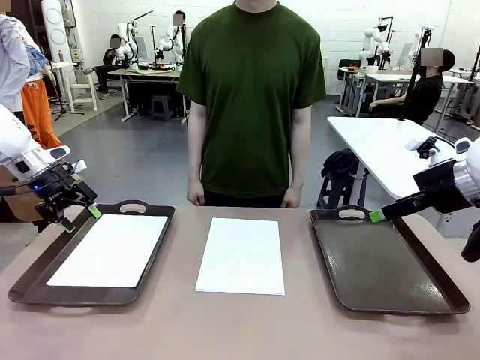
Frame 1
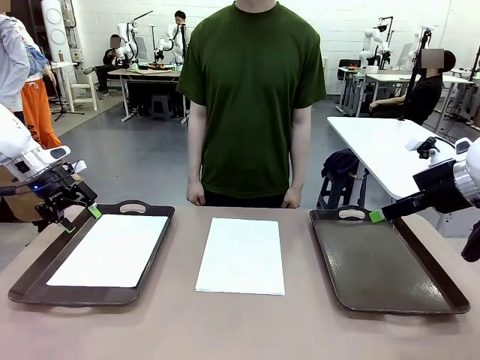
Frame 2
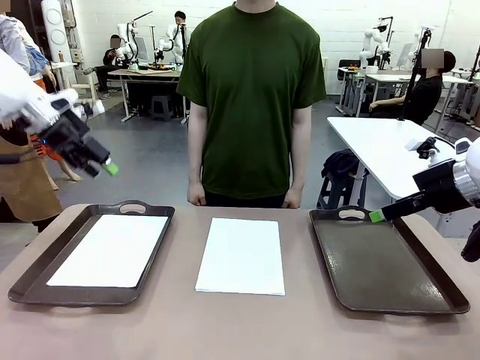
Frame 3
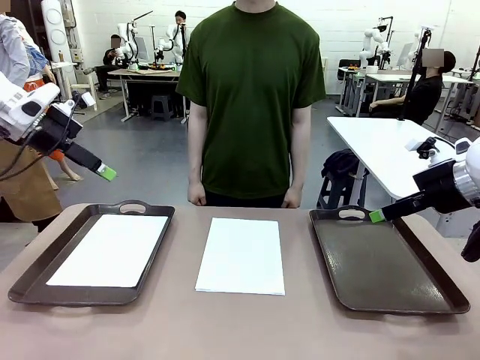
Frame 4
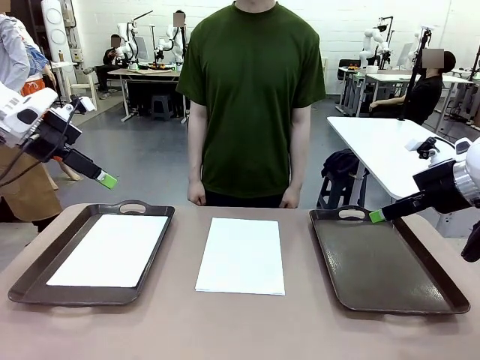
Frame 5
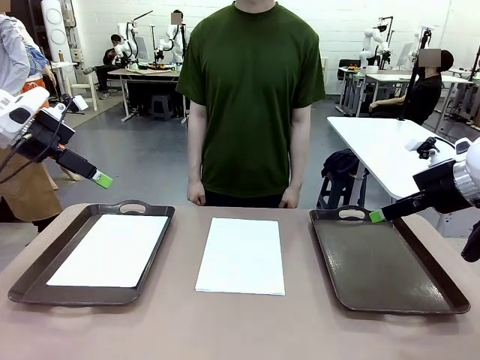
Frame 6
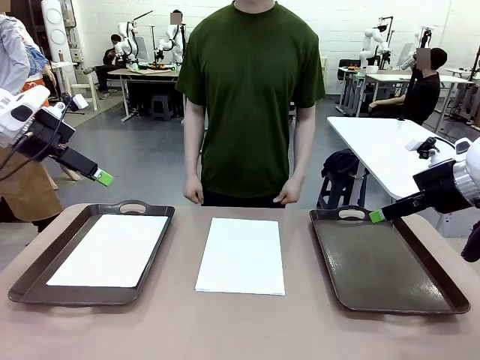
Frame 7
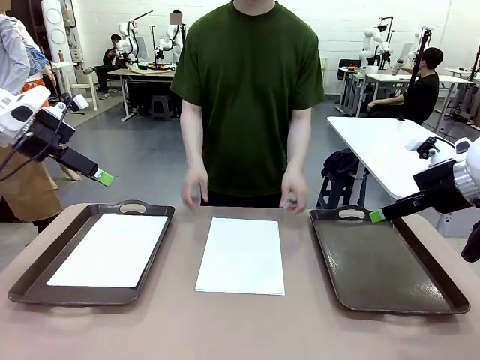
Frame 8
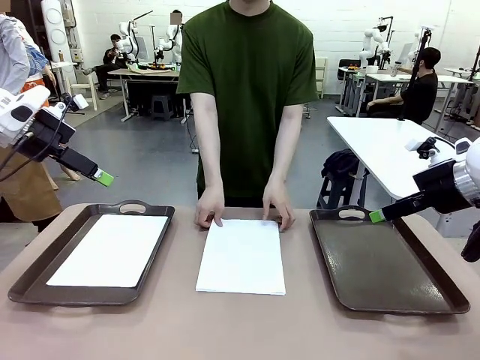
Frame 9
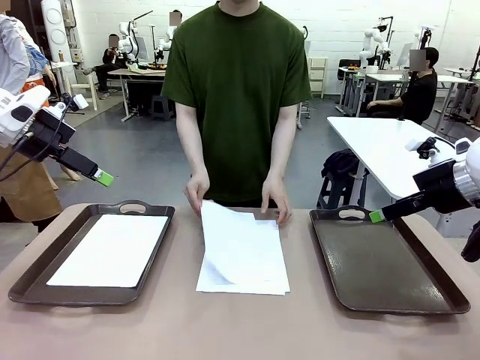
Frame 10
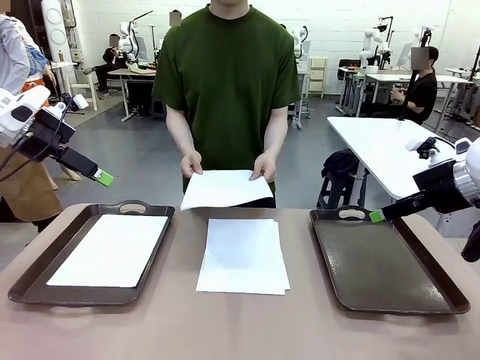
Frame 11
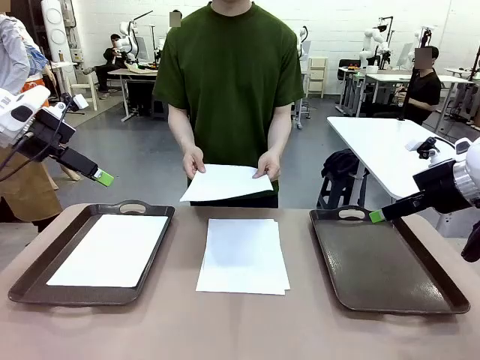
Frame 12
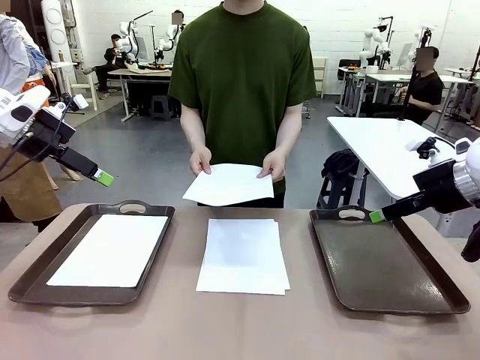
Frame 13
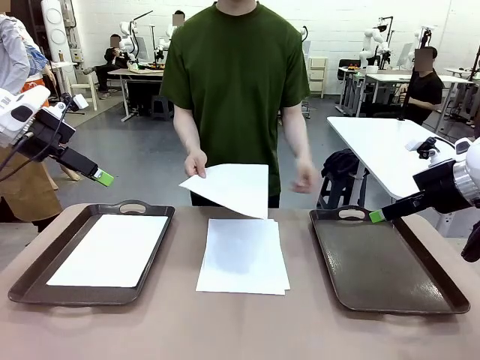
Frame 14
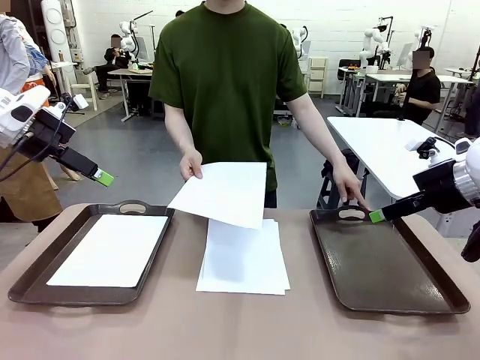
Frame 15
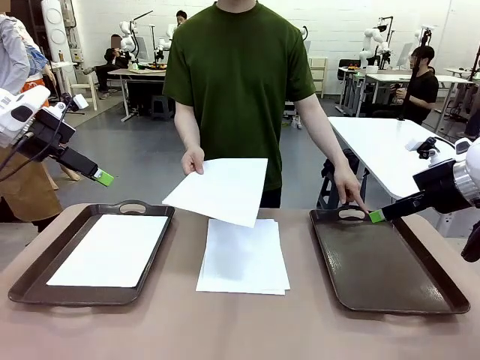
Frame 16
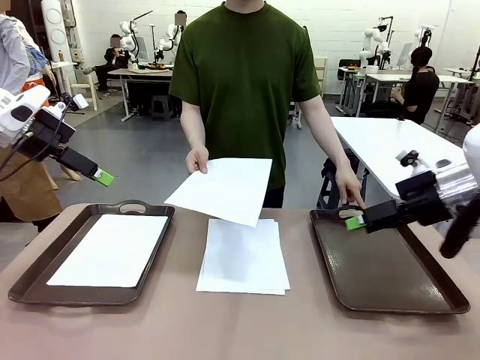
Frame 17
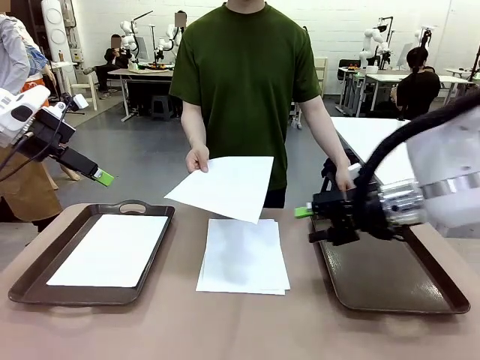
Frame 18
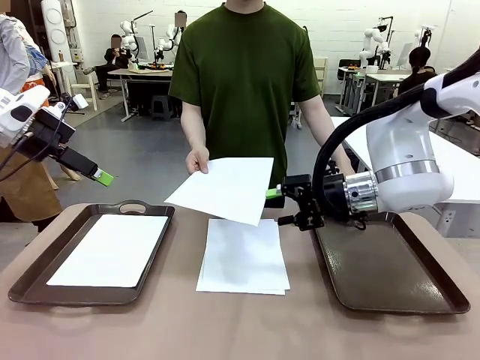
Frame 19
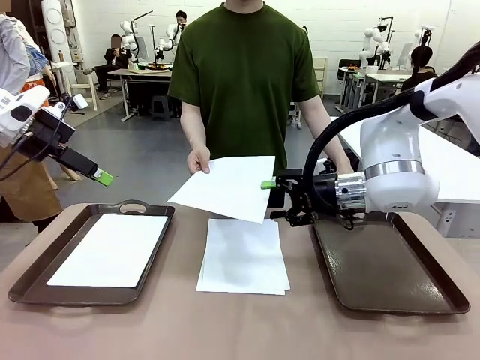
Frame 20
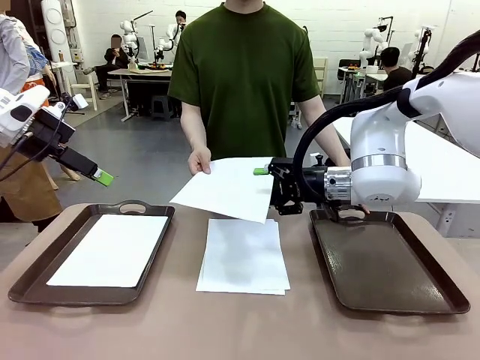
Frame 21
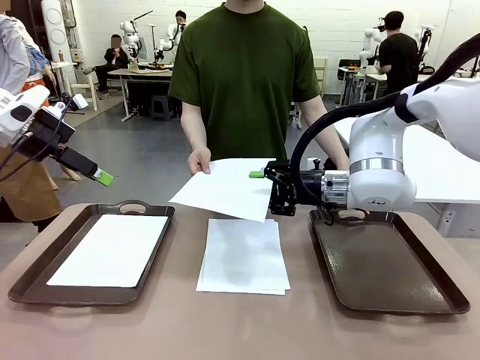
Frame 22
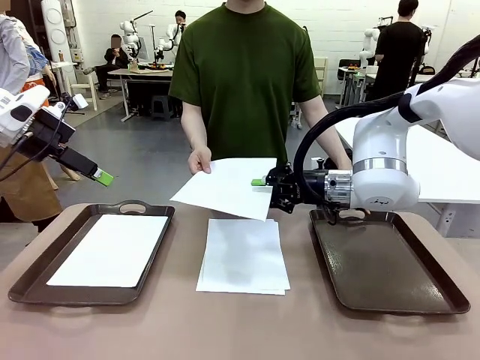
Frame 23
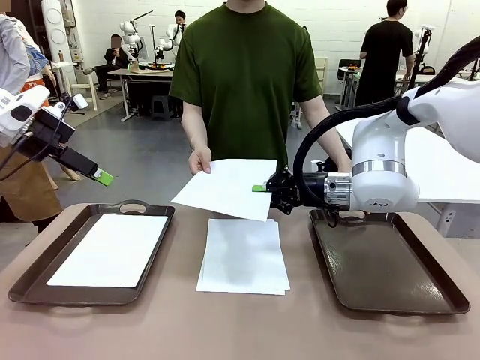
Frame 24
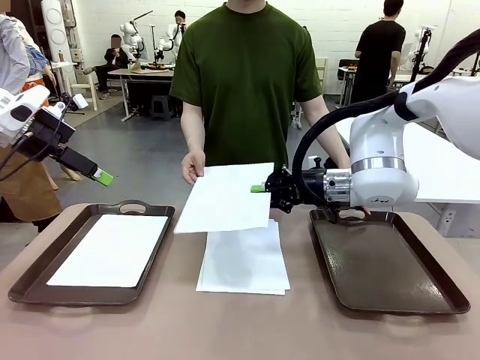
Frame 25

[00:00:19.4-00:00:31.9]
Task: Sort the A4 documents.
Robot: Receive the A4 Paper.
Person: Point the randomly selected tray with the other hand.

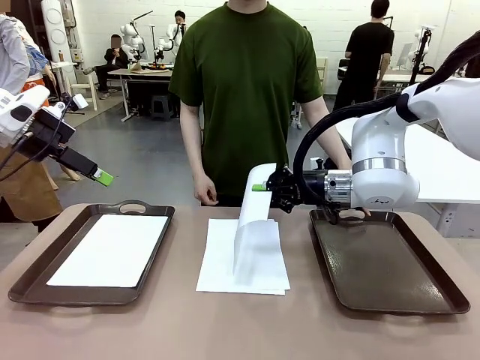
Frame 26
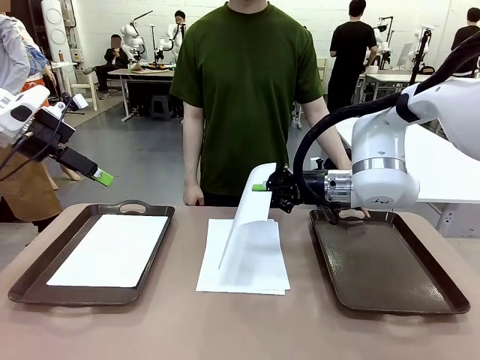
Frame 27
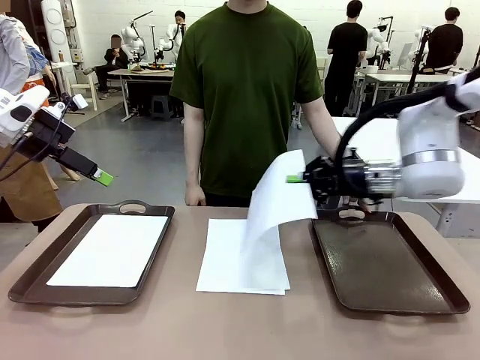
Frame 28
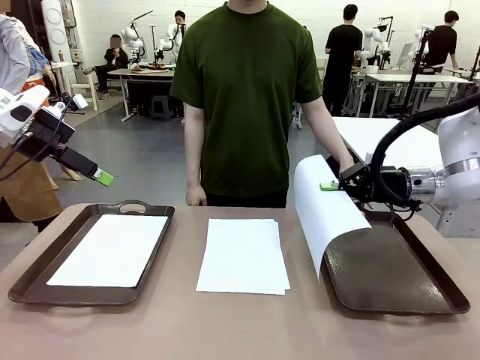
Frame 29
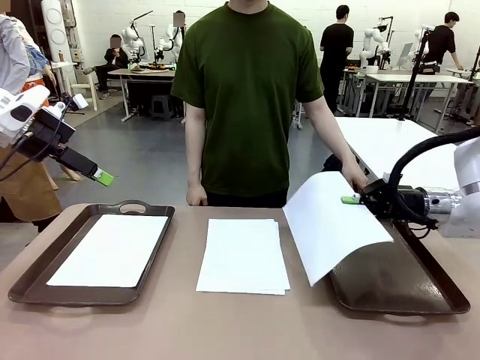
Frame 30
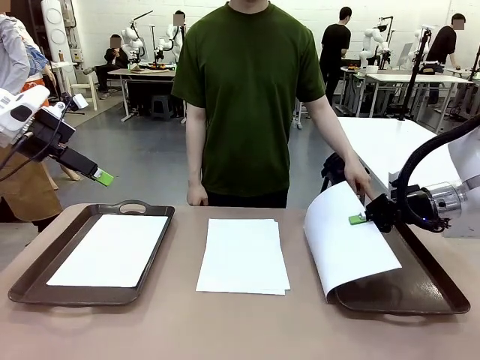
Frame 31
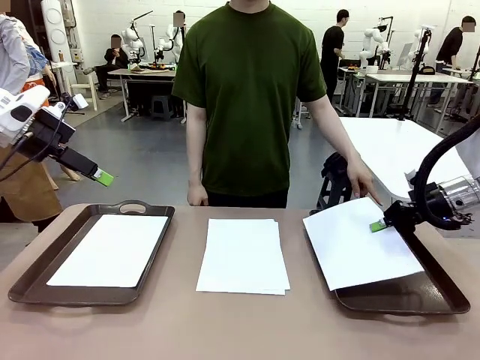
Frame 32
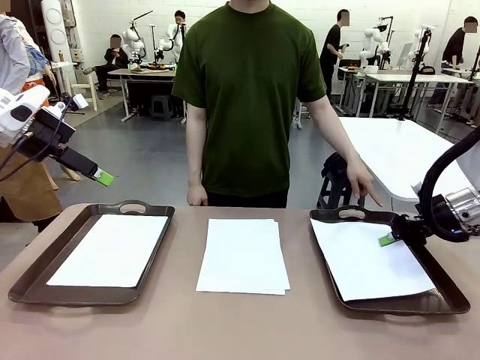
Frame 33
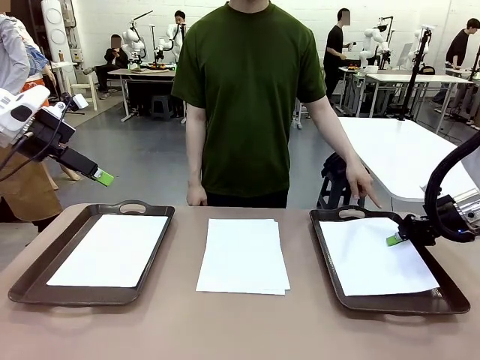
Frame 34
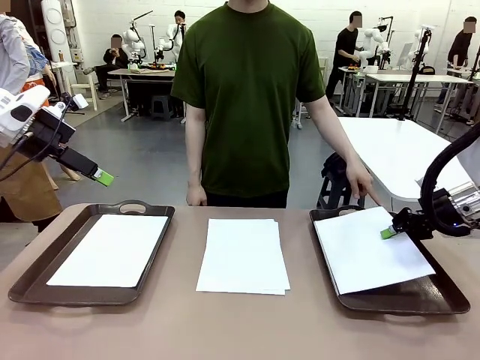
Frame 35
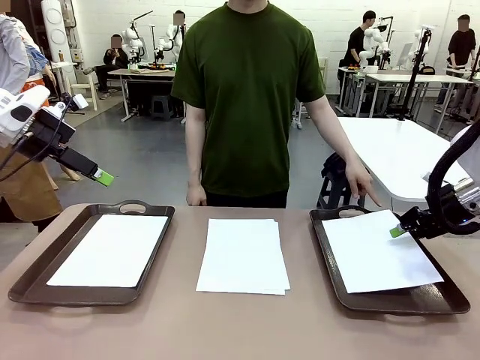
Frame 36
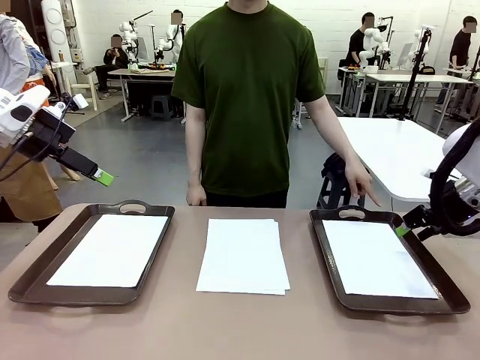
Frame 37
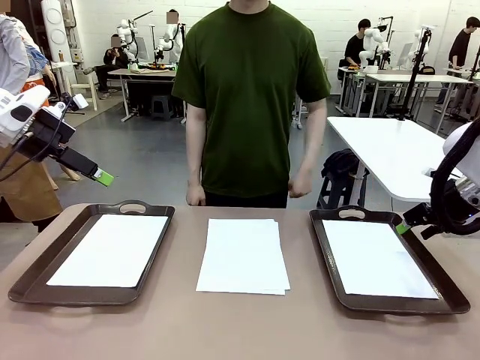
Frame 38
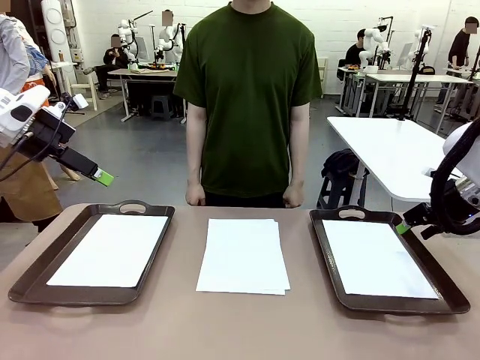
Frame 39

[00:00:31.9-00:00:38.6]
Robot: Place the A4 Paper in the designated Handle tray.

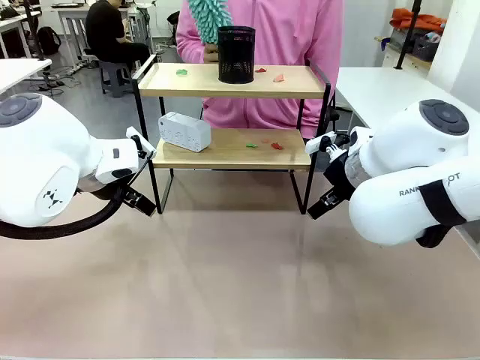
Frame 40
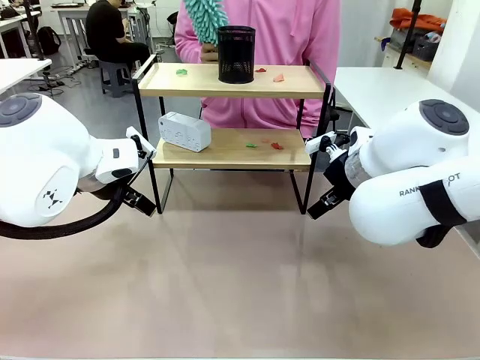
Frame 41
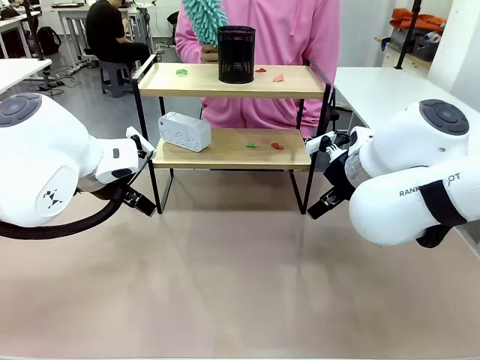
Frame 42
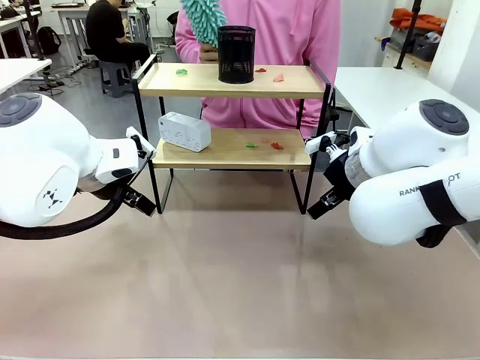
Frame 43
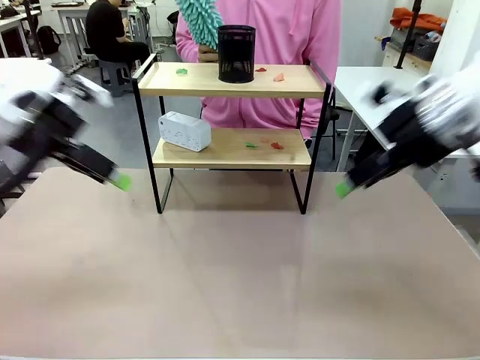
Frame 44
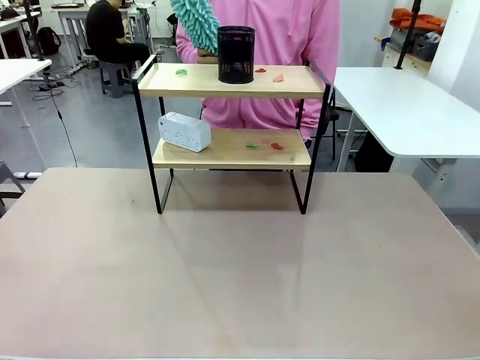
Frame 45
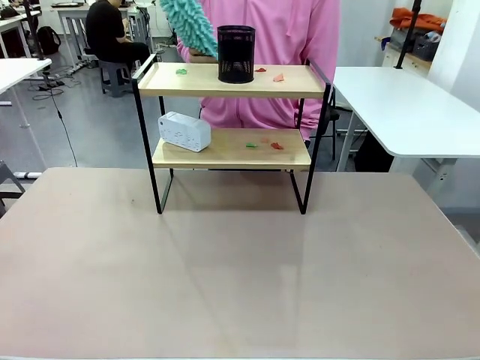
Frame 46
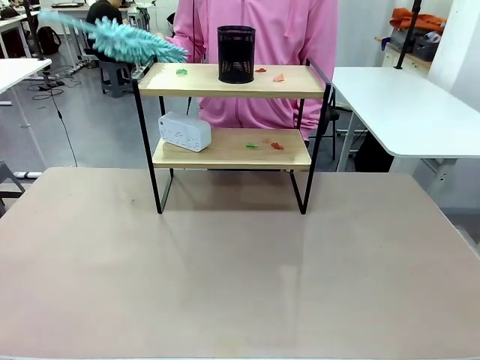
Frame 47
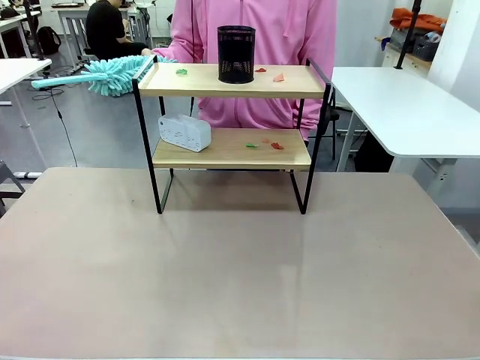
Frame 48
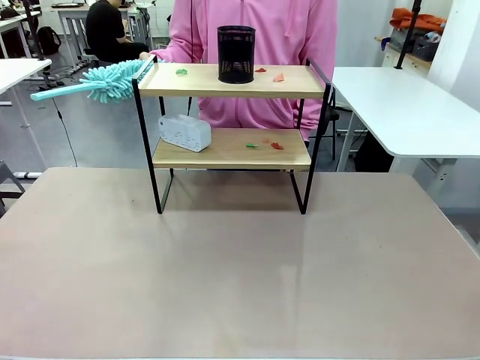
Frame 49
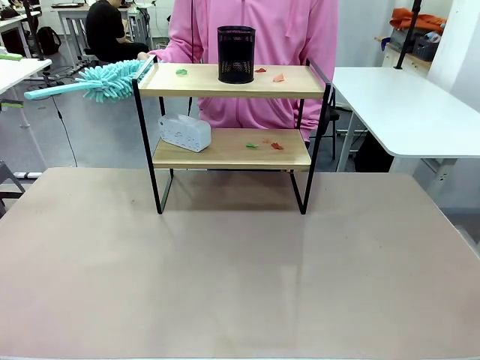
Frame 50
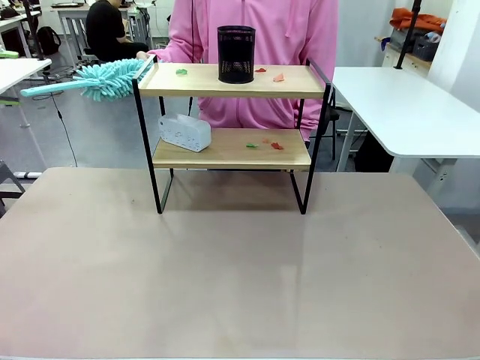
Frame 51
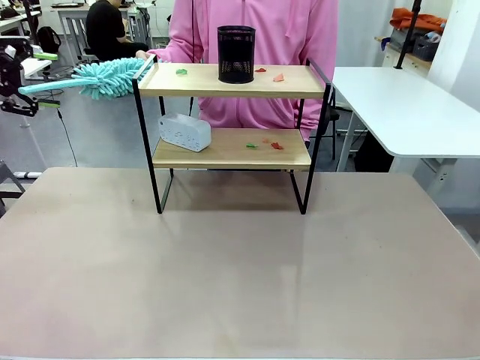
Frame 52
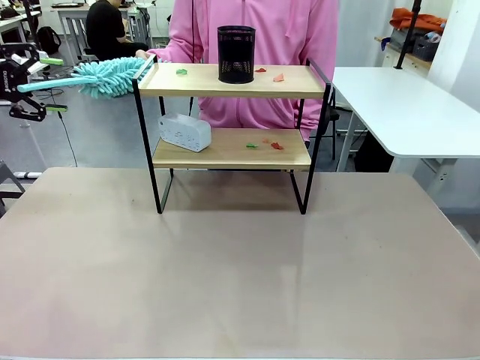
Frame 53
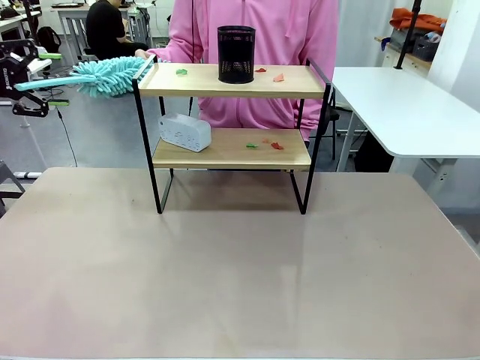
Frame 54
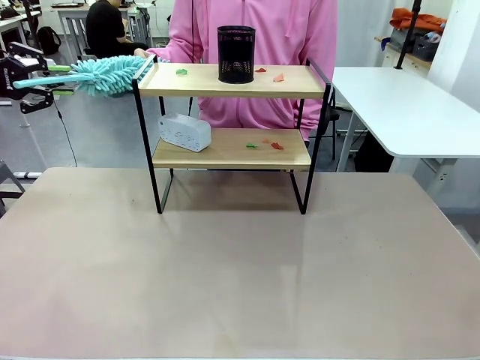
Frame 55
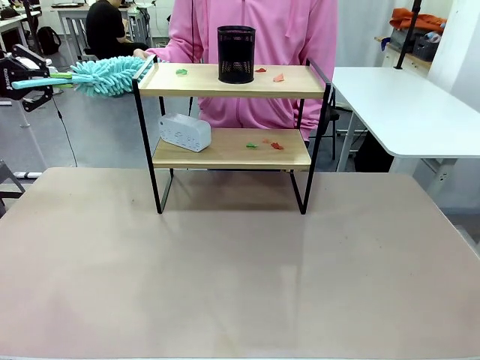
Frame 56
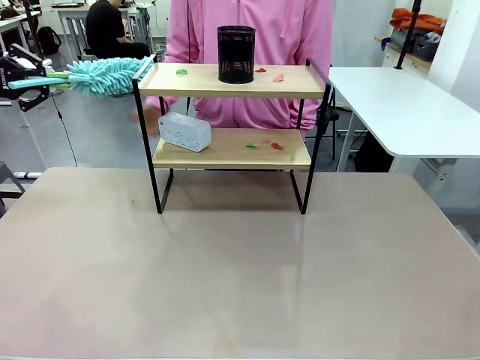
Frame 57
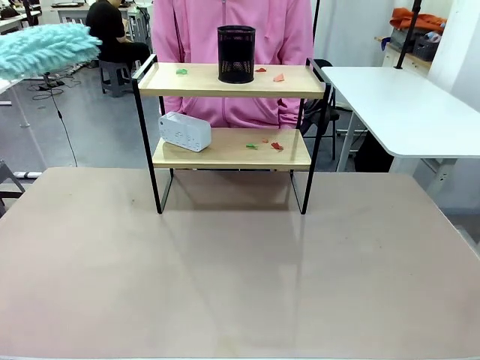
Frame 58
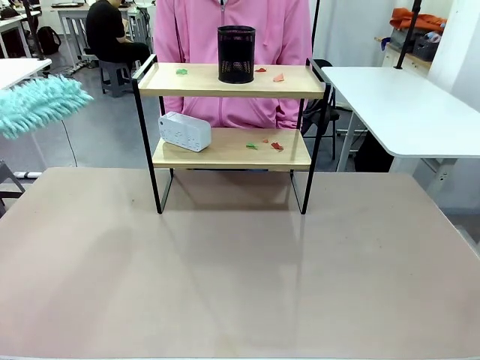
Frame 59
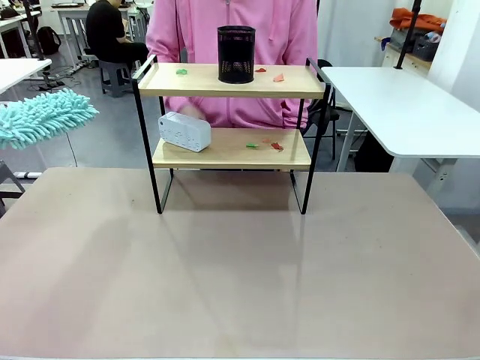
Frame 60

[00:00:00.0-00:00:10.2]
Task: Clean the shelf.
Robot: Pick up the Duster from the human.
Person: Hand the Duster to the robot.
